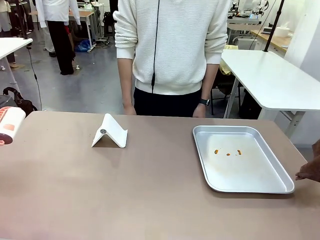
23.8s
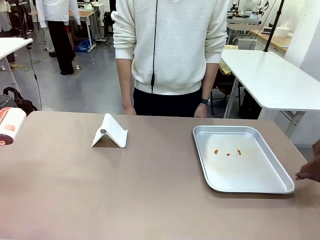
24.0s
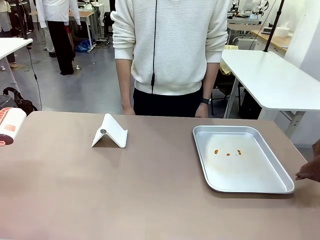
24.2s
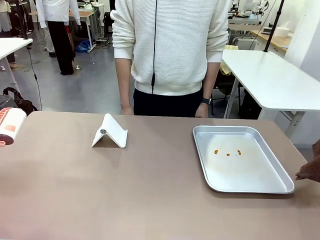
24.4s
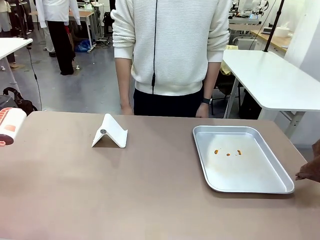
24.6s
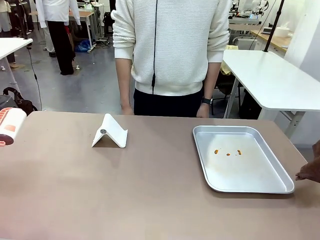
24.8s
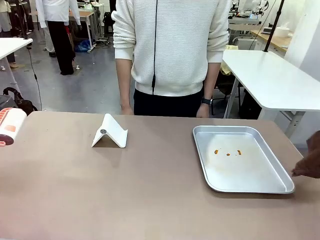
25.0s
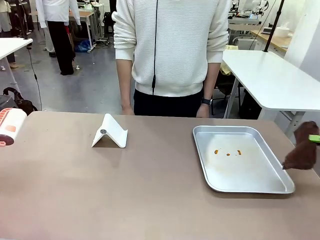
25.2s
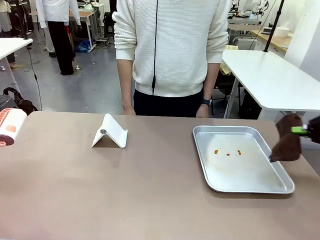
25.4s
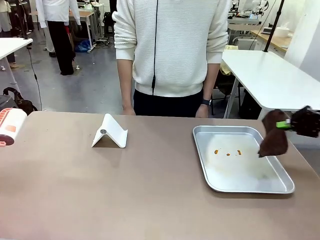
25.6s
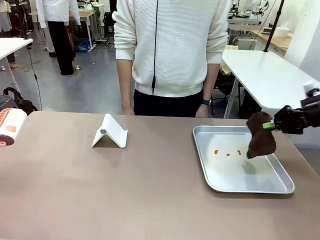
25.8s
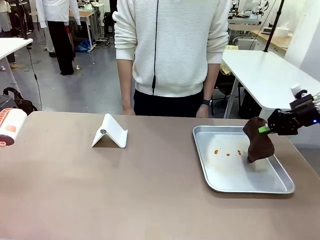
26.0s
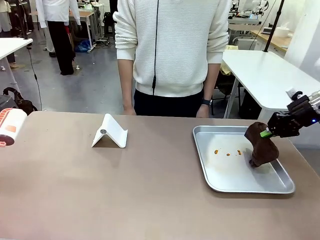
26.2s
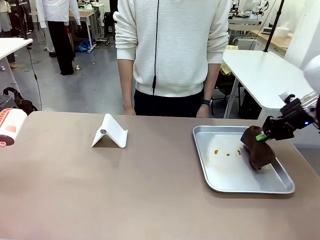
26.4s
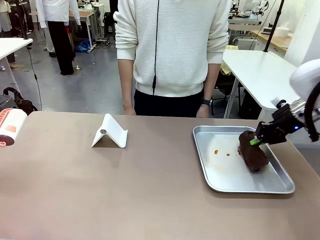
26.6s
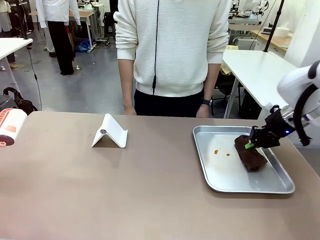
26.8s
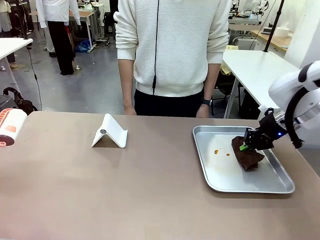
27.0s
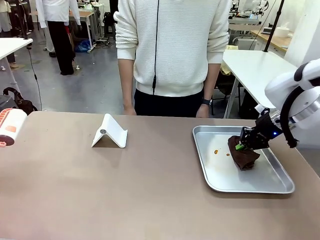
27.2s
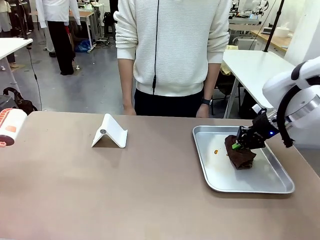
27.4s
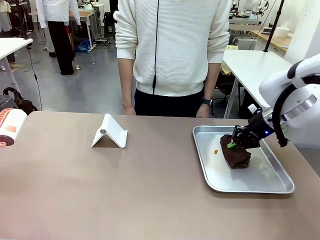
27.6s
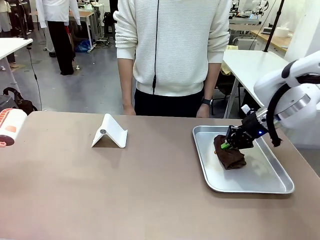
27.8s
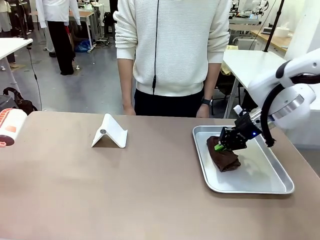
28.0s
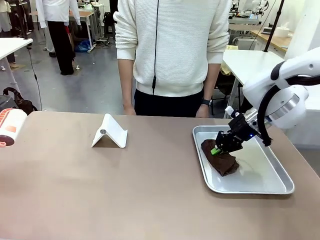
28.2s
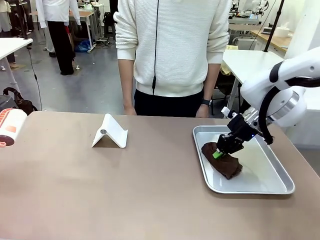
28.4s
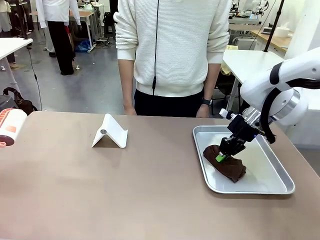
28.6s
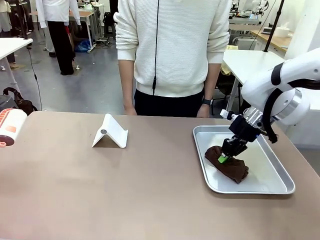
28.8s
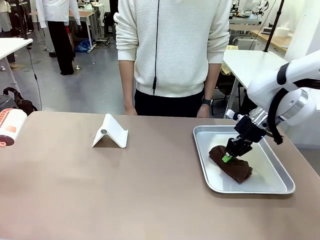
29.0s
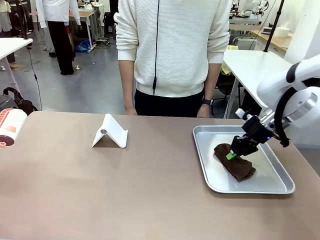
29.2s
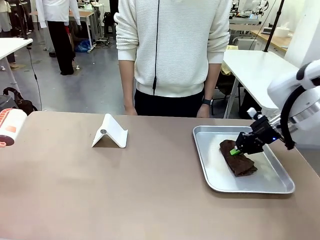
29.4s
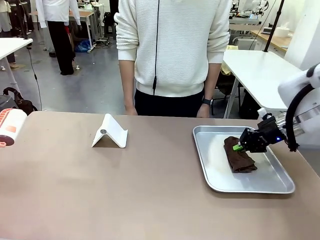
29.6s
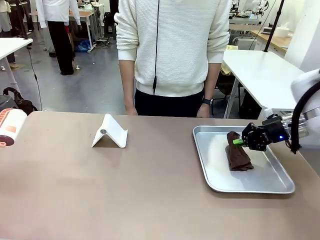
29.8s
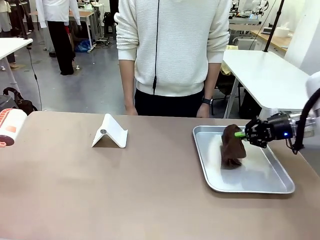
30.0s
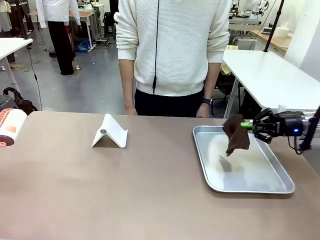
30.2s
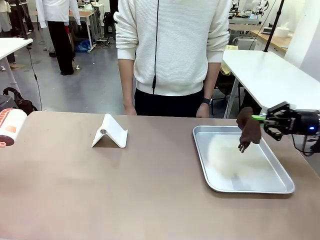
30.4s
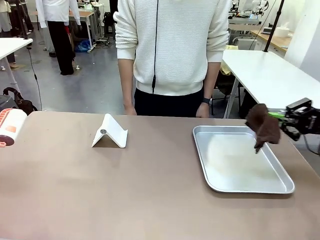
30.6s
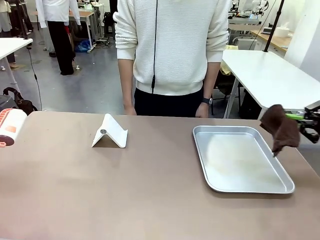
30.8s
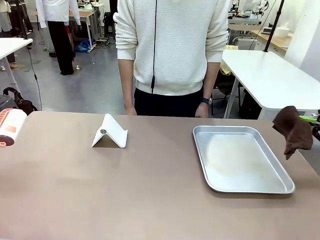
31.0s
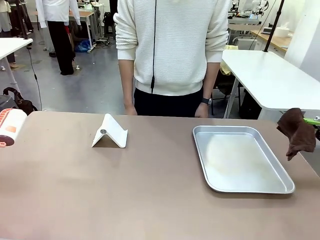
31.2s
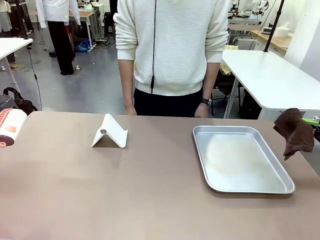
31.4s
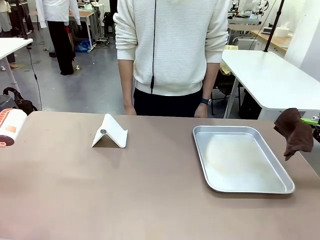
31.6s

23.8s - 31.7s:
Task: Clean the surface of the table.
Robot: Clean the area not pointed to by the person.

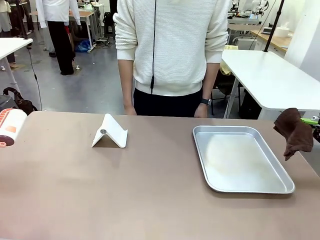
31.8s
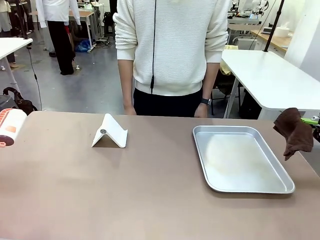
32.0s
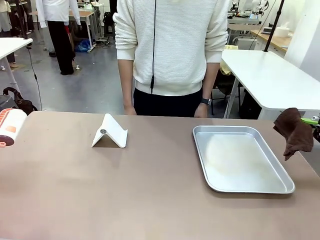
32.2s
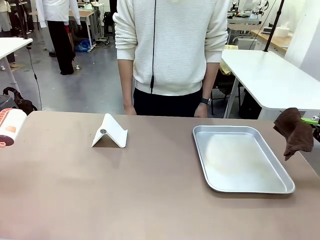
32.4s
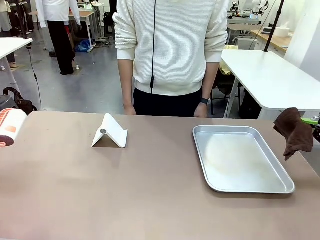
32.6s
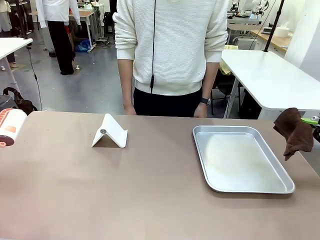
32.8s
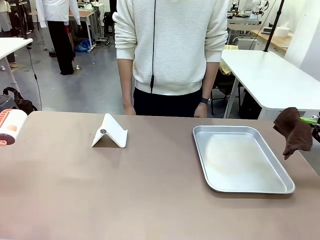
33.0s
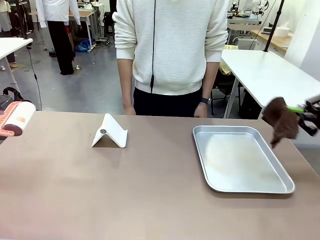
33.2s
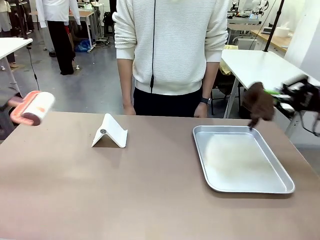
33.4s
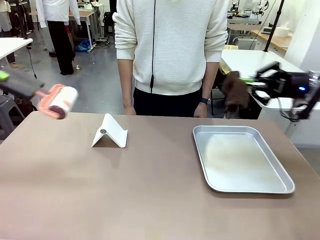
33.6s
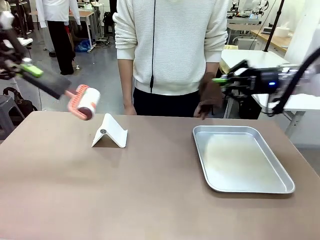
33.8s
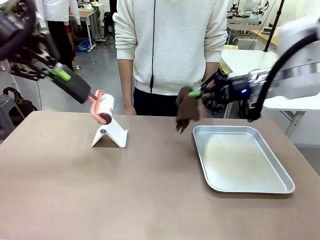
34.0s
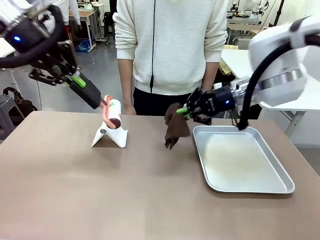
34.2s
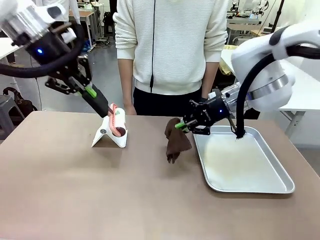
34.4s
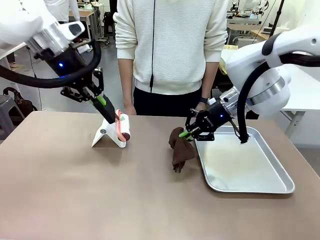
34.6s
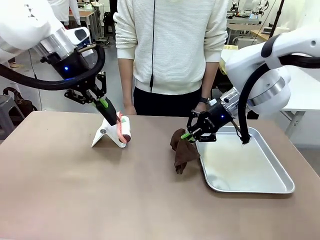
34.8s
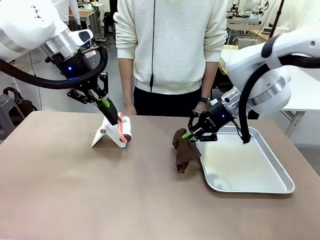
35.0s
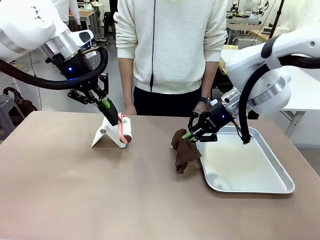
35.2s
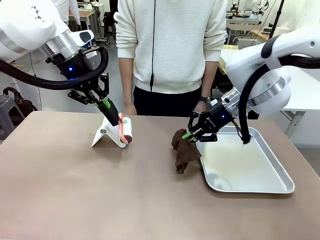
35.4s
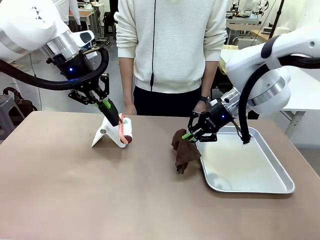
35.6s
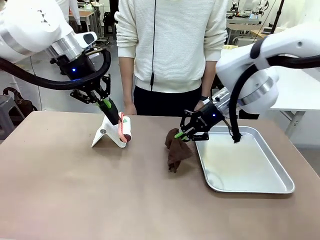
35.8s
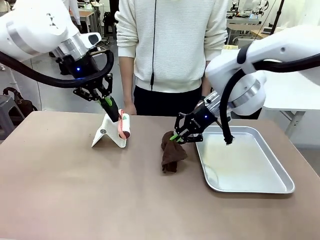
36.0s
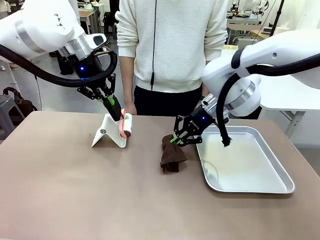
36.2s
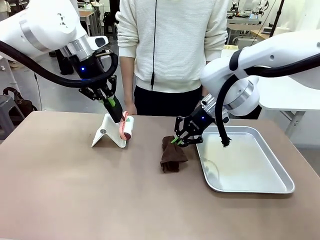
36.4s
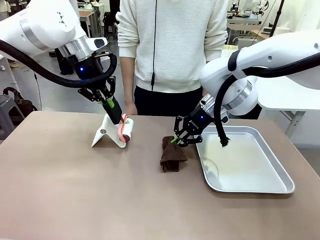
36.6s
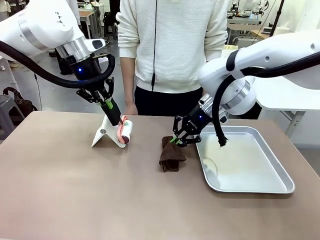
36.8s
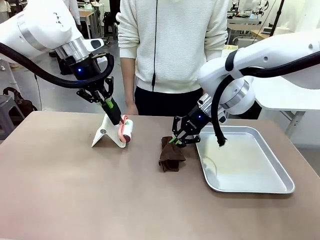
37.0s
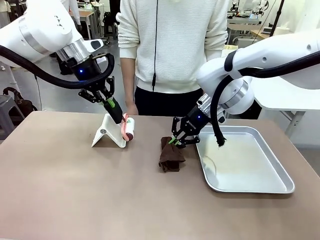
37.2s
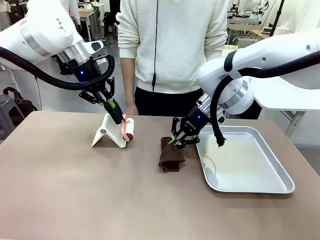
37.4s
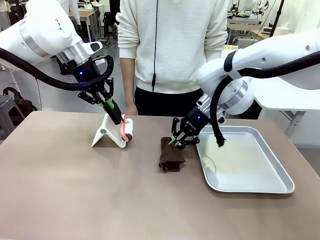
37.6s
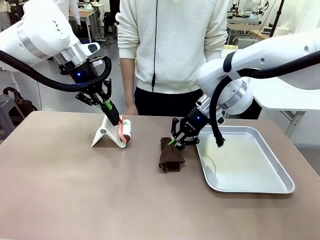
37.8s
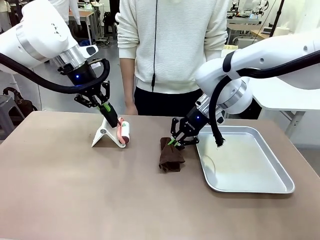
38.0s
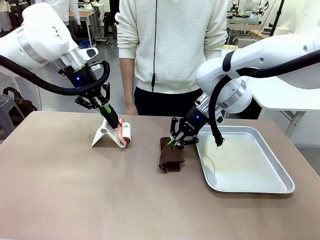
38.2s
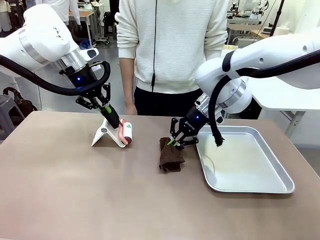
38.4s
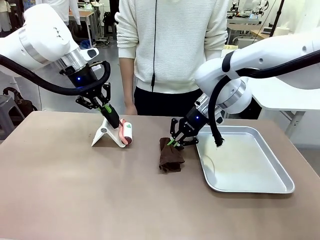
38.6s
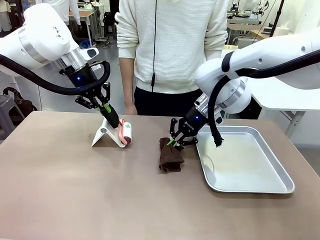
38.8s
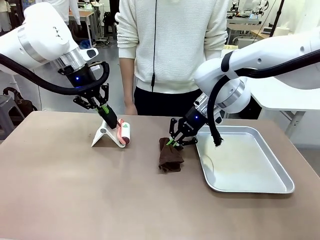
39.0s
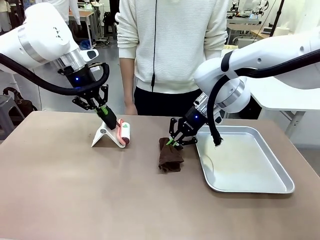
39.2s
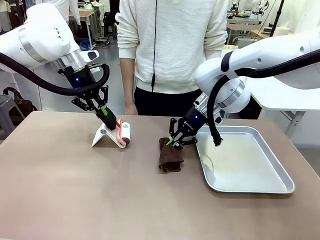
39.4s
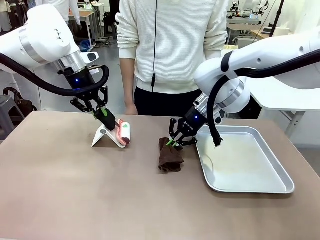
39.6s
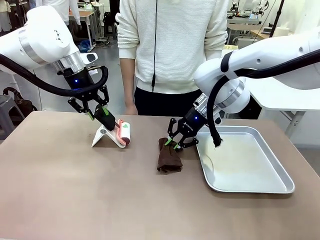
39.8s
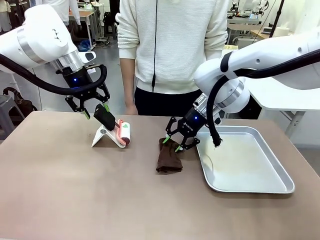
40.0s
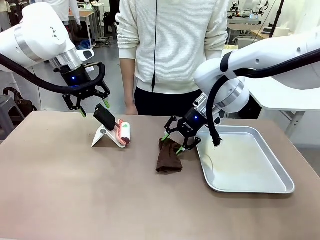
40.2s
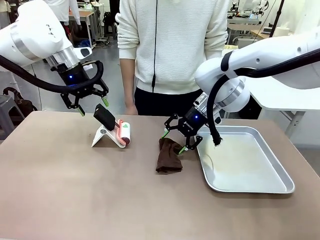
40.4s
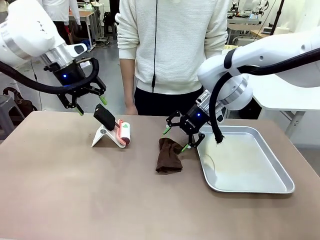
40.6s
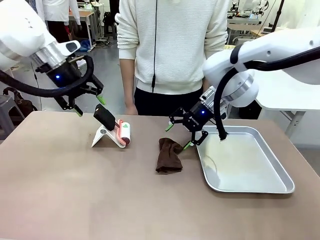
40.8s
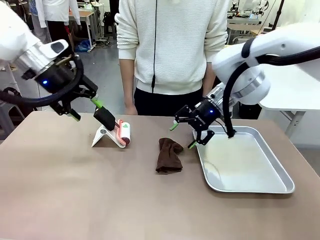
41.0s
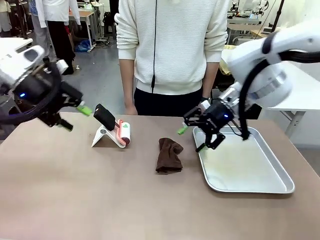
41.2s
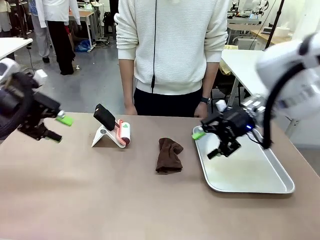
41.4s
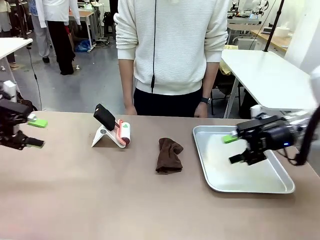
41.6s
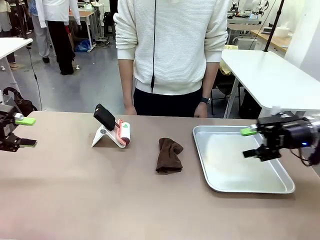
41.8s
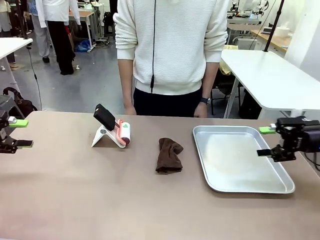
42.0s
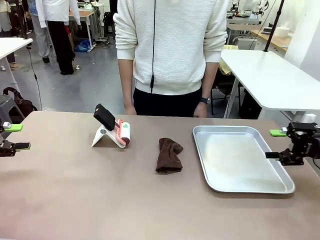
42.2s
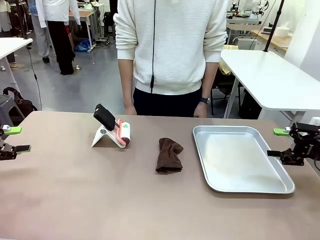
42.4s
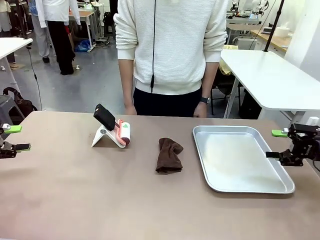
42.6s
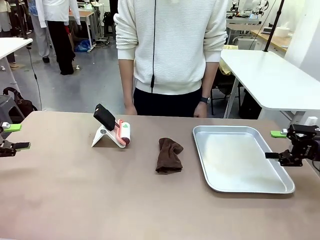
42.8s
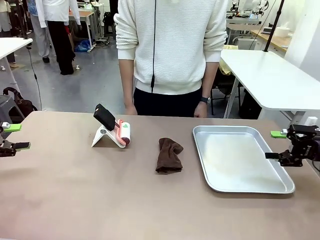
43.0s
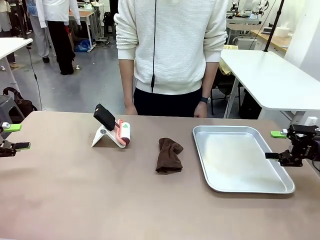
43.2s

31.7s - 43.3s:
Robot: Return the Lint Roller and towel to their original positions.
